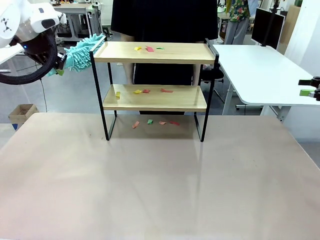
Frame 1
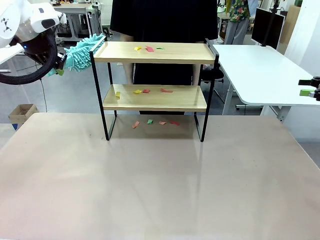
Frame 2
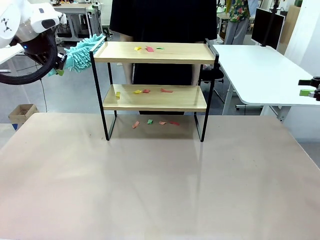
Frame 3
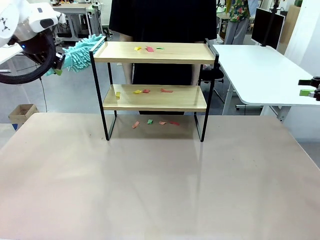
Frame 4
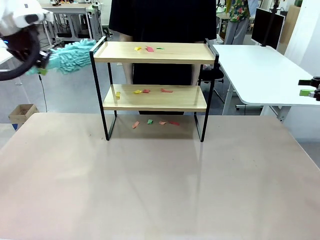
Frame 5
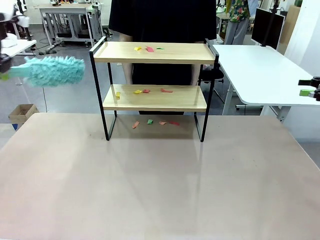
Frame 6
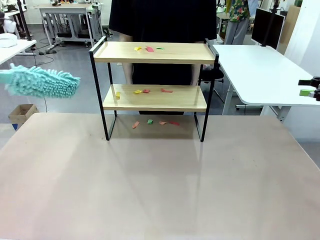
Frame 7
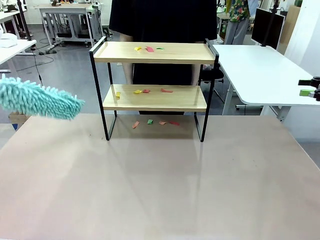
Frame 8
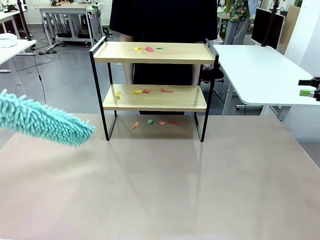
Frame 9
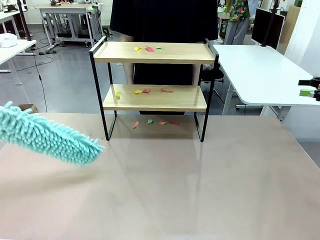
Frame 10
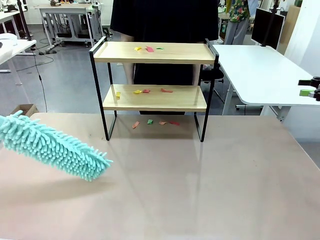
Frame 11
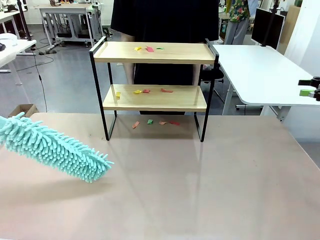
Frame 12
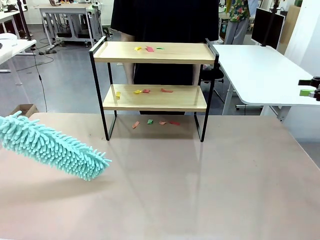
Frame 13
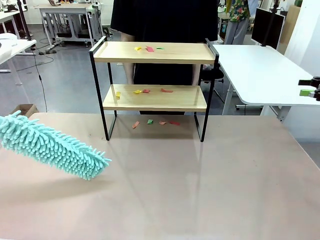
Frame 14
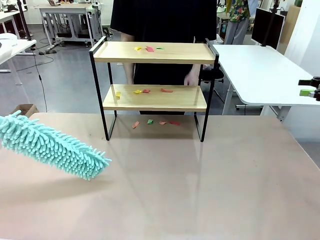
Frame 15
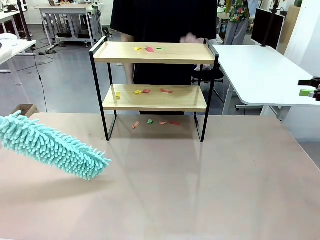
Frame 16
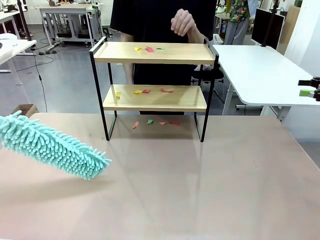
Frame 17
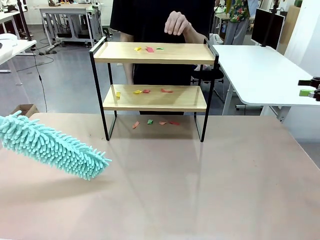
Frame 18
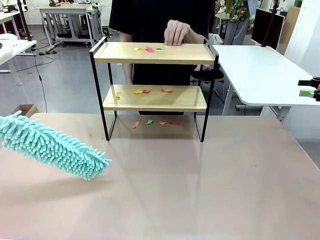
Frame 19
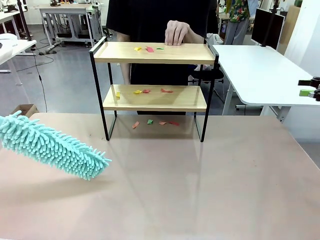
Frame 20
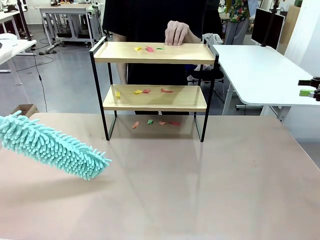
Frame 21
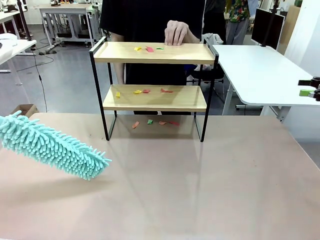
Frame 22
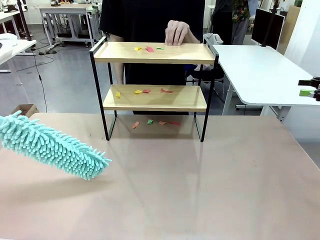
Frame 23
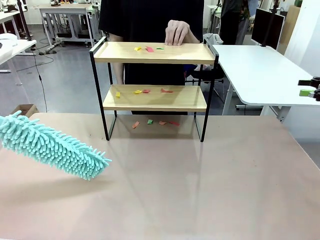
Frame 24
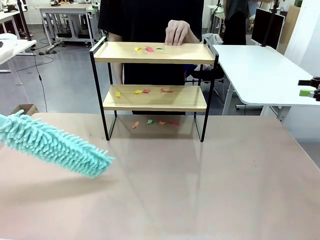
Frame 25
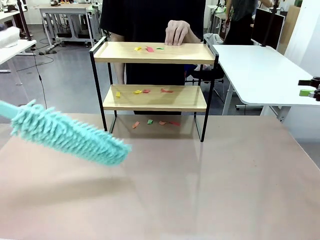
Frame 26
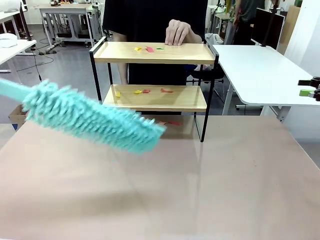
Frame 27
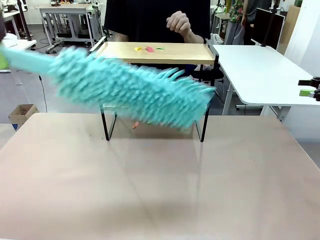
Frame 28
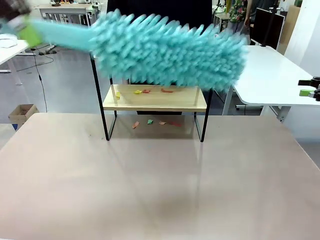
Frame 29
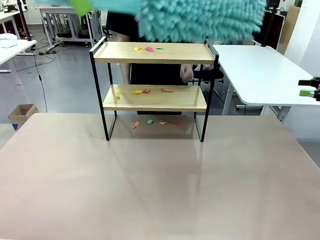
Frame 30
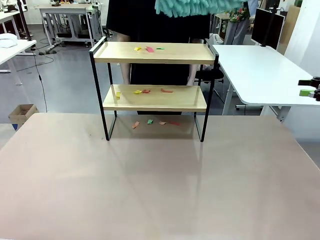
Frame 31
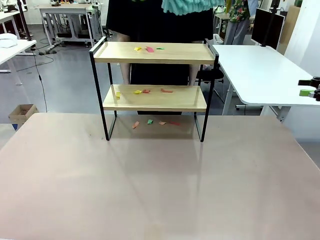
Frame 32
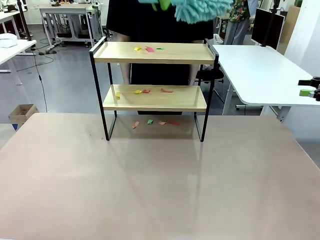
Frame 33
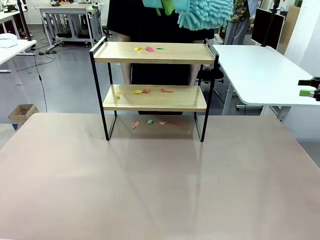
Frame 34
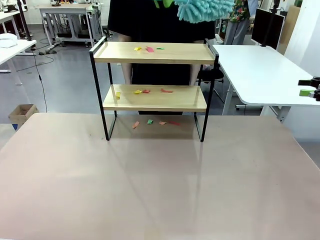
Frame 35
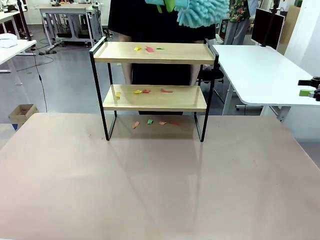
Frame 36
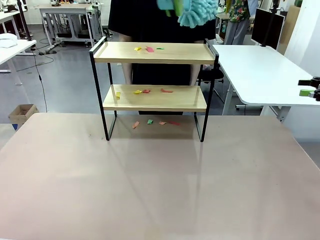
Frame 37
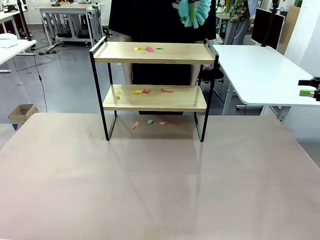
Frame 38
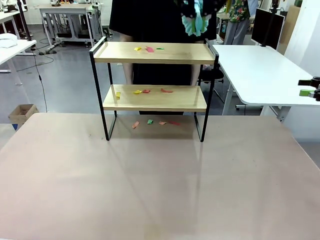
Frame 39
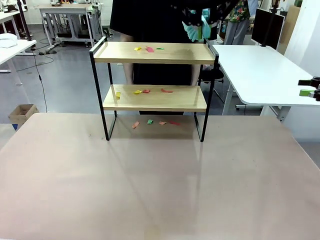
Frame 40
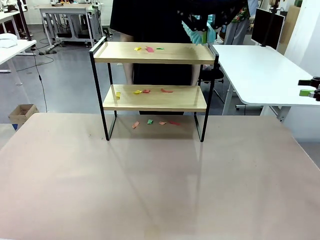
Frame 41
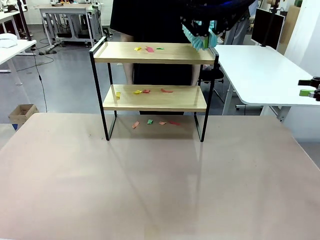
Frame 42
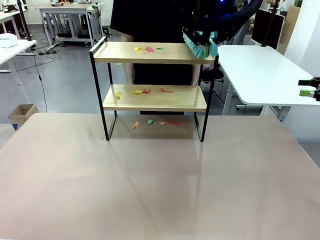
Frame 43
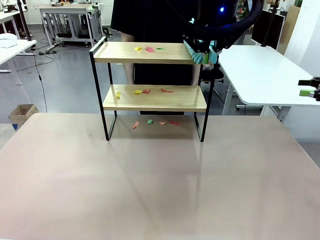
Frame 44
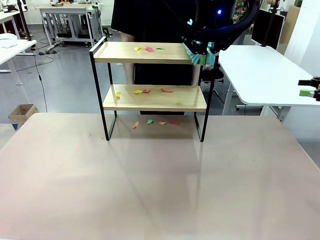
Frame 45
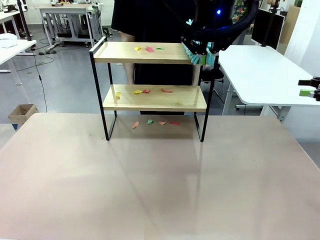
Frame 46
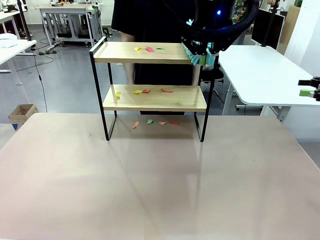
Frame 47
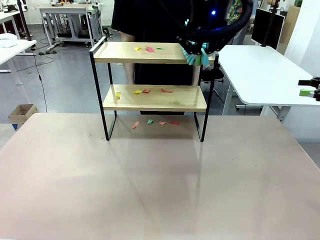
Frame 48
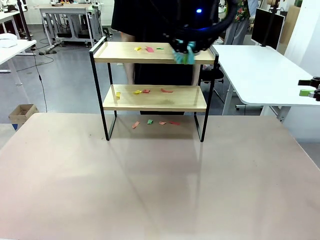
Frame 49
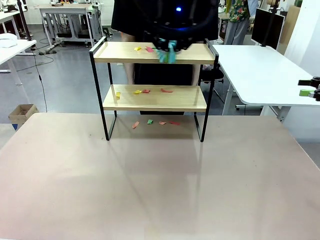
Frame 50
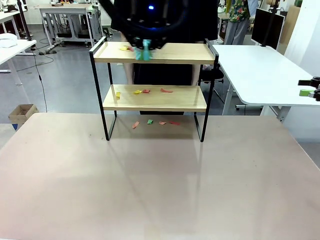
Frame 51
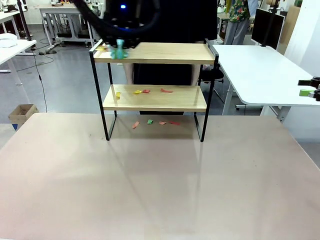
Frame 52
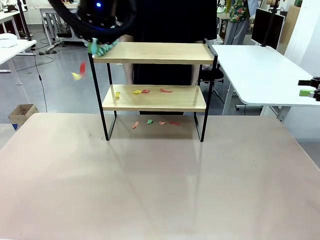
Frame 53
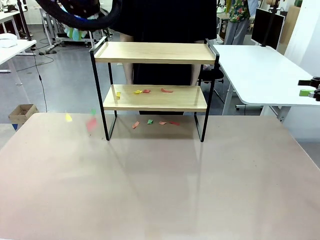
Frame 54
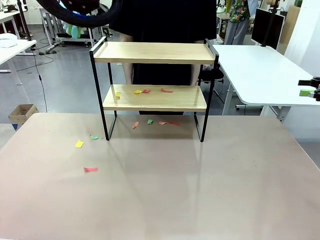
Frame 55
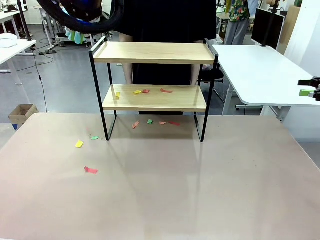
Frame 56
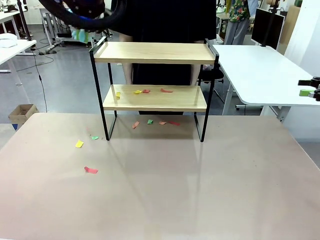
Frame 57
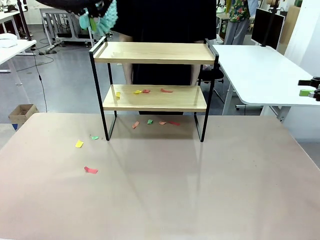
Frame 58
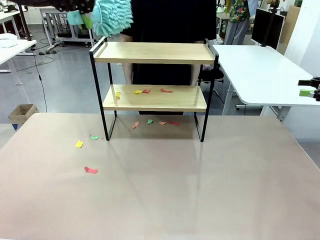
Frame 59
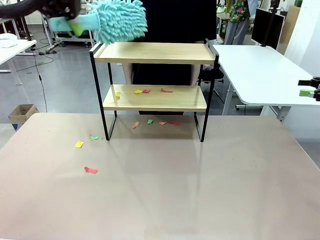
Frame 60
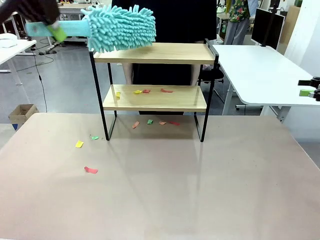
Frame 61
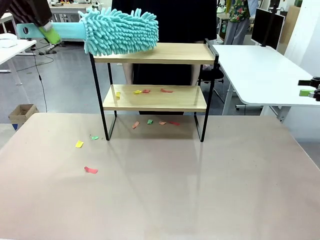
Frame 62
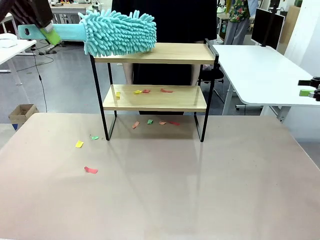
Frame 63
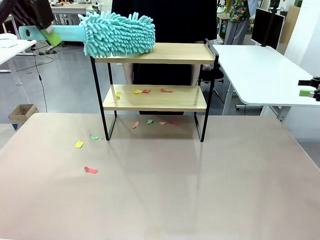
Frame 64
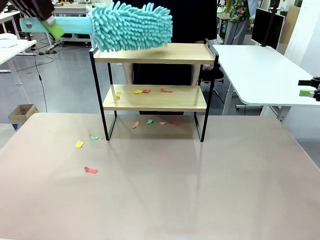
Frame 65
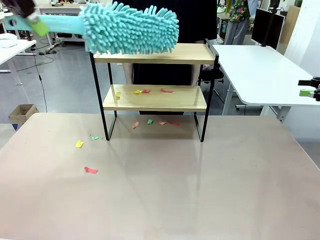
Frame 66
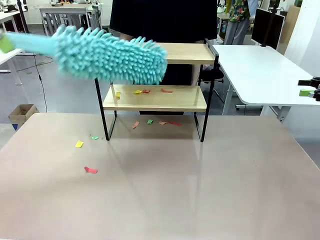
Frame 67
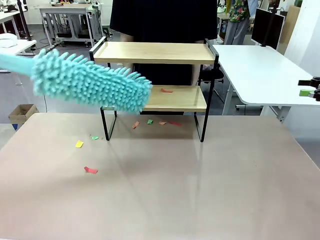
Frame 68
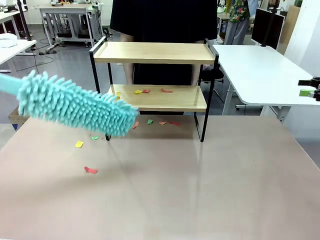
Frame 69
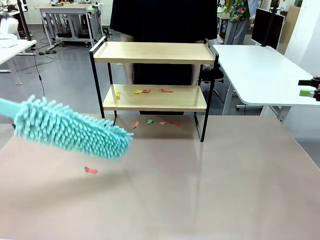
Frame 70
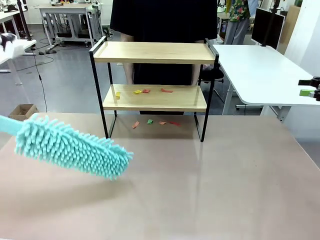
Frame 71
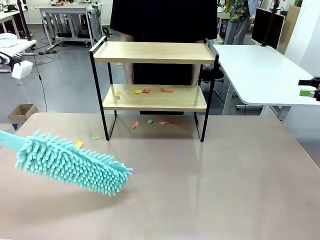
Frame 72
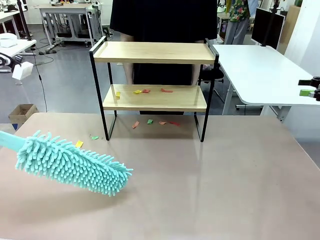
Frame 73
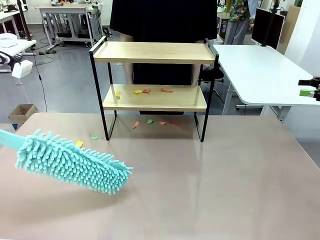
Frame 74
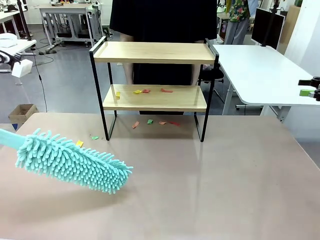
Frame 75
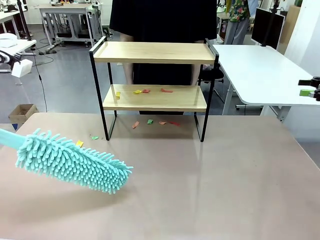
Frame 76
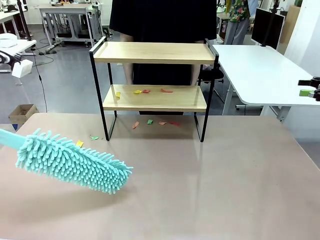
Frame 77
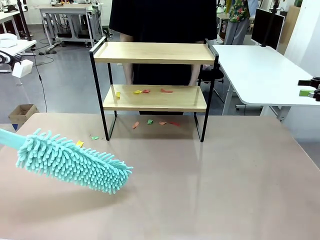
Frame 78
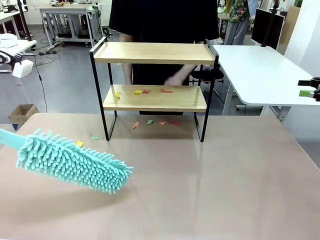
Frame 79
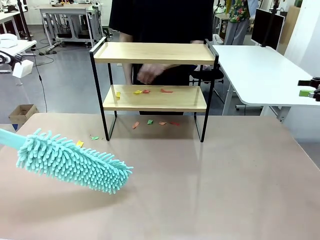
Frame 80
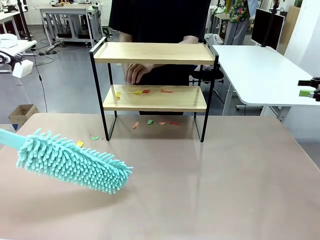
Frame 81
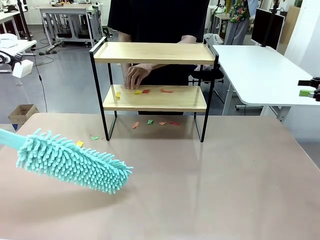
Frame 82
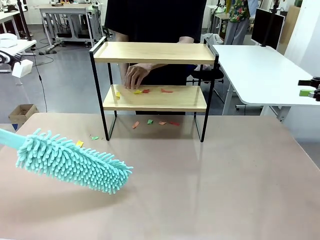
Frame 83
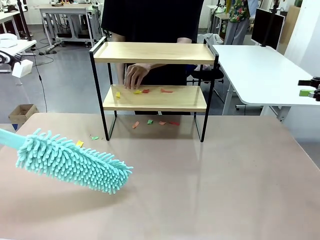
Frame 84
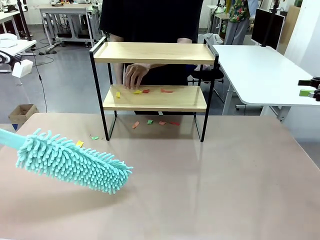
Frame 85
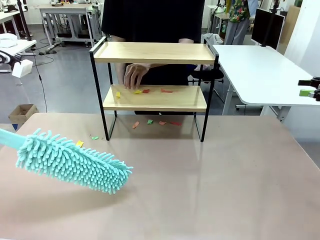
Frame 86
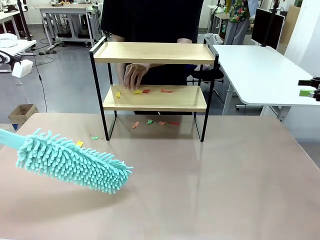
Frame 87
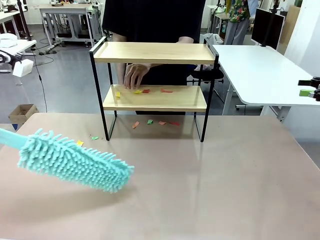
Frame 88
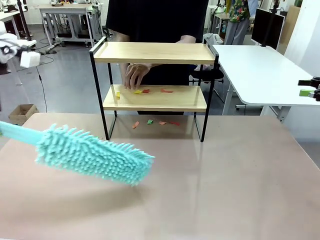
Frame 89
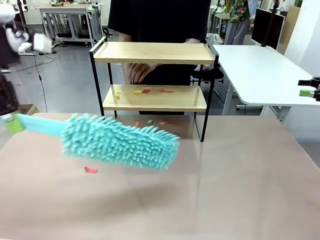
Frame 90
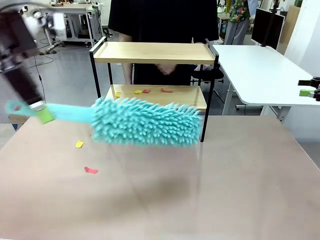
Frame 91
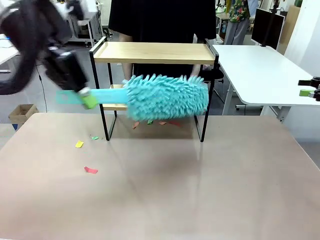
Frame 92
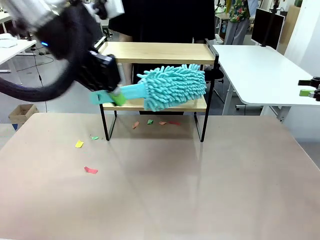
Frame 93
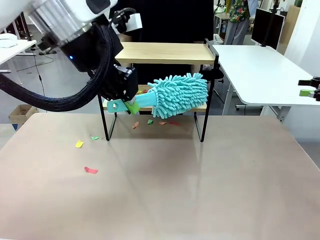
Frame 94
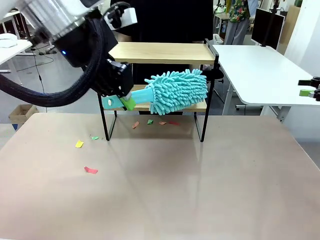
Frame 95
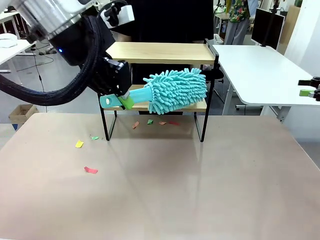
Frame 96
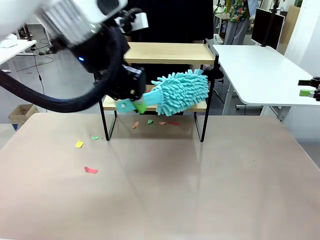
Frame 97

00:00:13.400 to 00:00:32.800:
Task: Clean the shelf.
Robot: Clean the specific section of the Shelf indicated by the human with the Duster.
Person: Point a random section of the Shelf.
